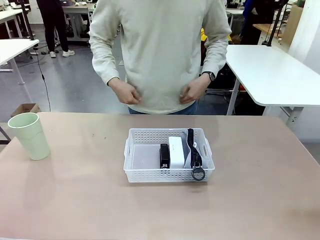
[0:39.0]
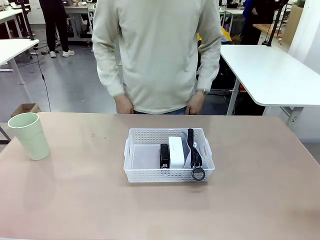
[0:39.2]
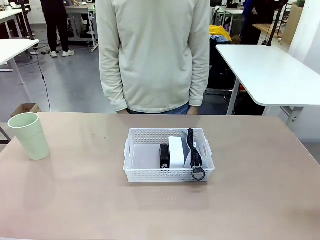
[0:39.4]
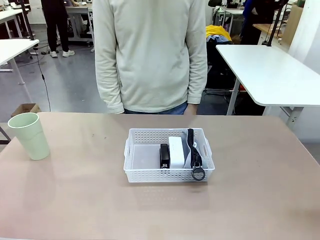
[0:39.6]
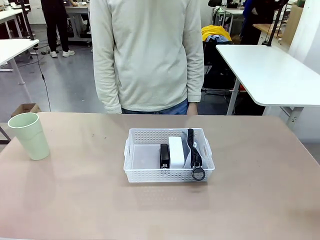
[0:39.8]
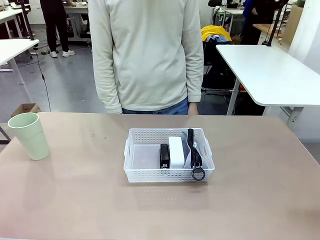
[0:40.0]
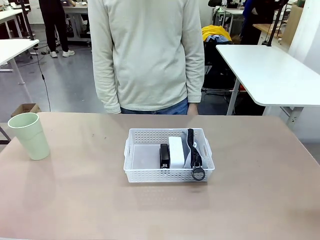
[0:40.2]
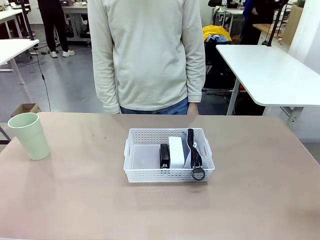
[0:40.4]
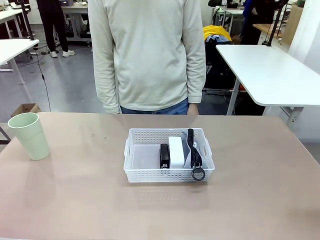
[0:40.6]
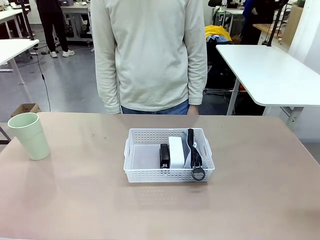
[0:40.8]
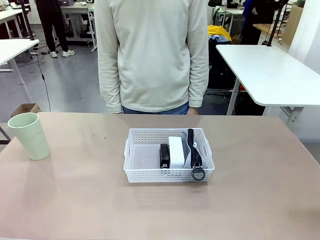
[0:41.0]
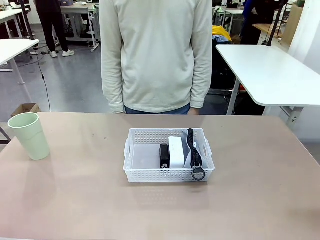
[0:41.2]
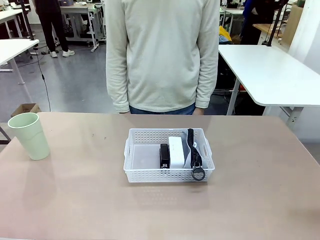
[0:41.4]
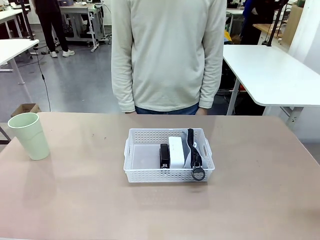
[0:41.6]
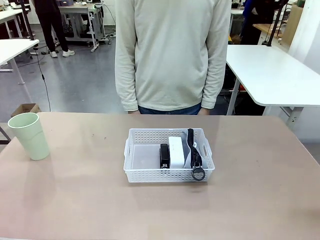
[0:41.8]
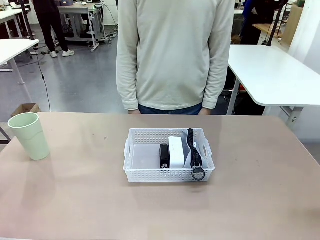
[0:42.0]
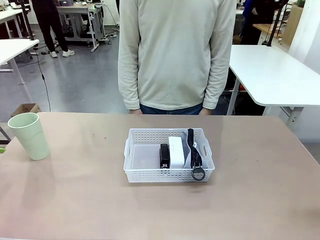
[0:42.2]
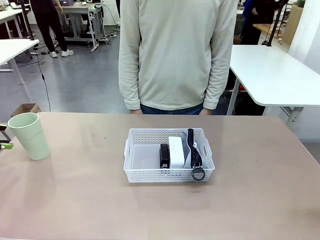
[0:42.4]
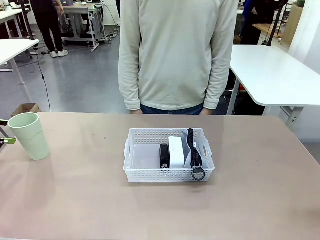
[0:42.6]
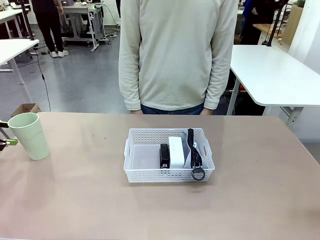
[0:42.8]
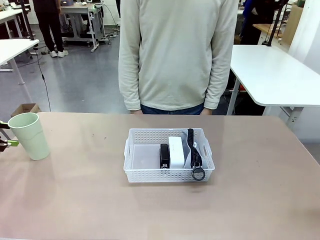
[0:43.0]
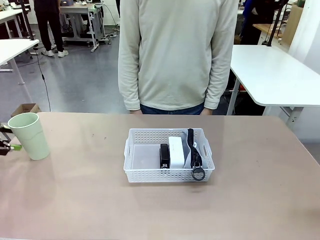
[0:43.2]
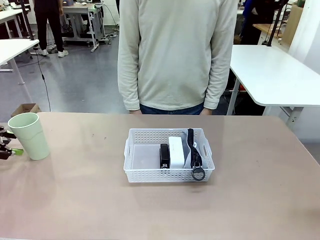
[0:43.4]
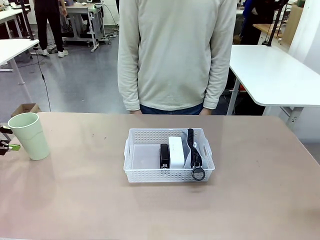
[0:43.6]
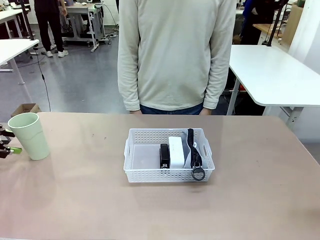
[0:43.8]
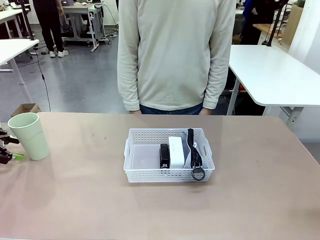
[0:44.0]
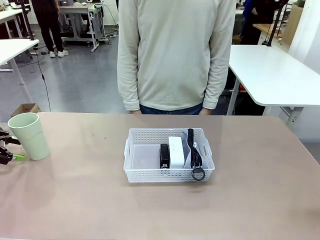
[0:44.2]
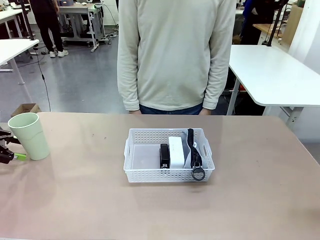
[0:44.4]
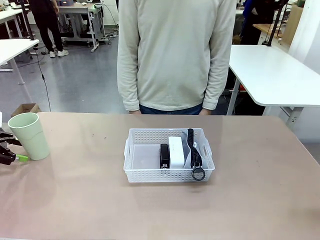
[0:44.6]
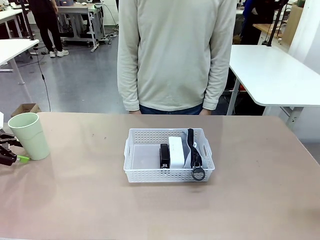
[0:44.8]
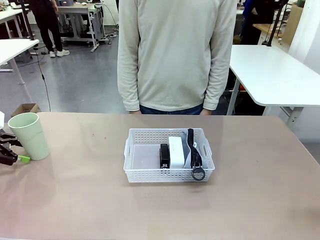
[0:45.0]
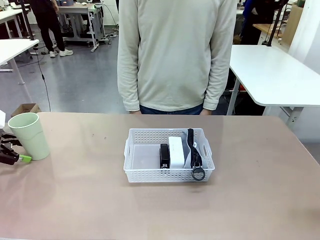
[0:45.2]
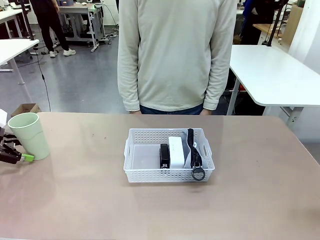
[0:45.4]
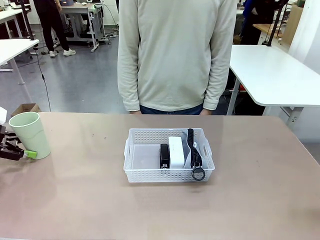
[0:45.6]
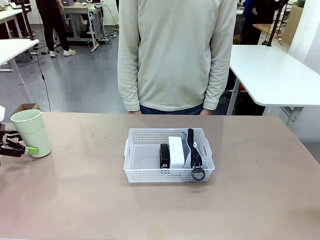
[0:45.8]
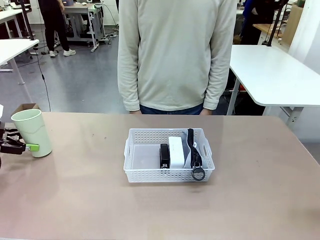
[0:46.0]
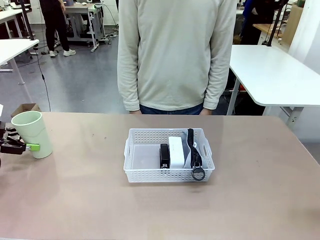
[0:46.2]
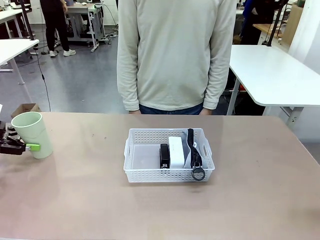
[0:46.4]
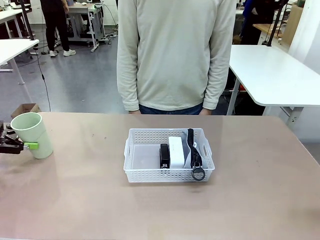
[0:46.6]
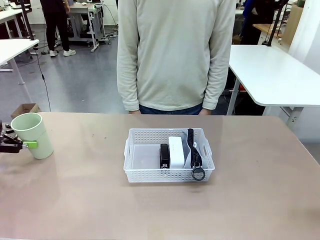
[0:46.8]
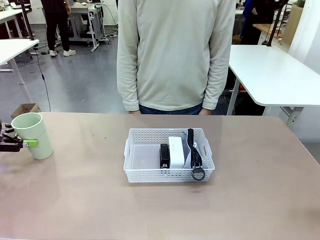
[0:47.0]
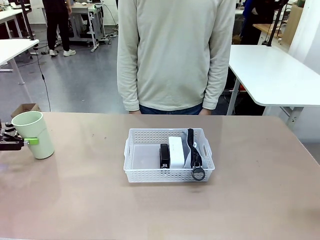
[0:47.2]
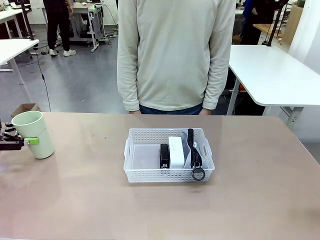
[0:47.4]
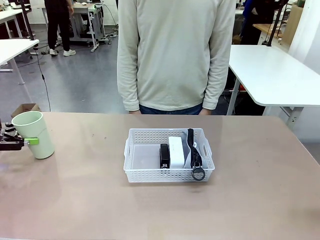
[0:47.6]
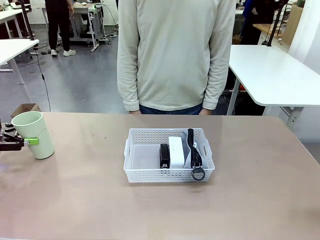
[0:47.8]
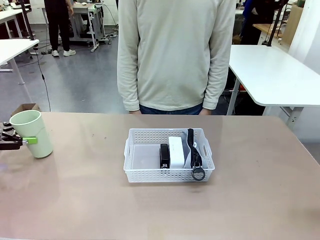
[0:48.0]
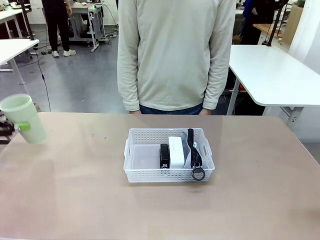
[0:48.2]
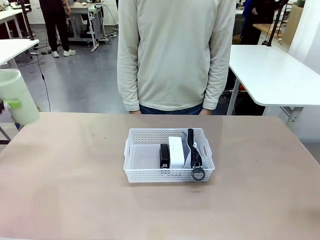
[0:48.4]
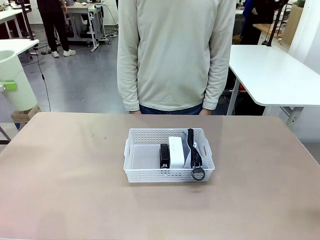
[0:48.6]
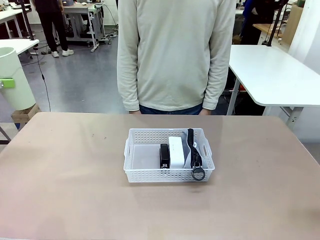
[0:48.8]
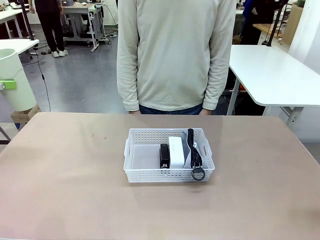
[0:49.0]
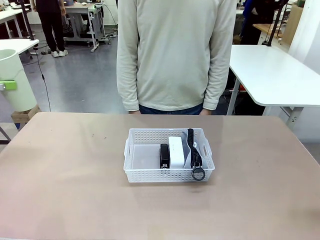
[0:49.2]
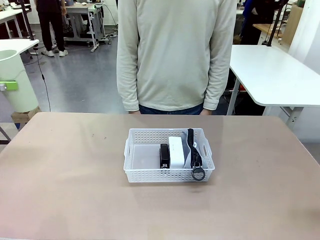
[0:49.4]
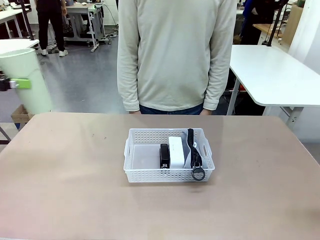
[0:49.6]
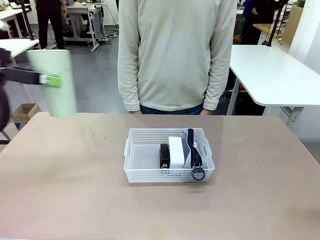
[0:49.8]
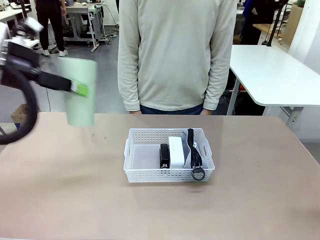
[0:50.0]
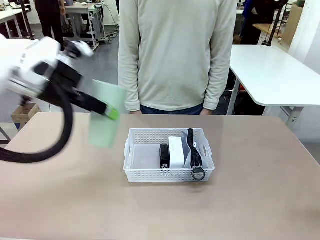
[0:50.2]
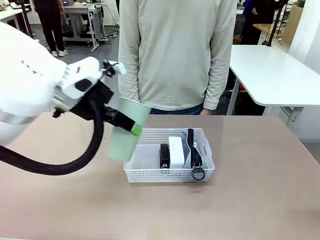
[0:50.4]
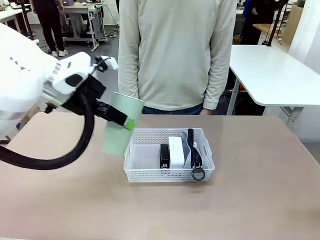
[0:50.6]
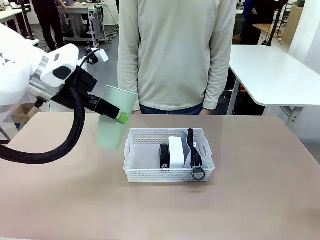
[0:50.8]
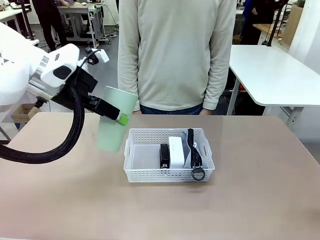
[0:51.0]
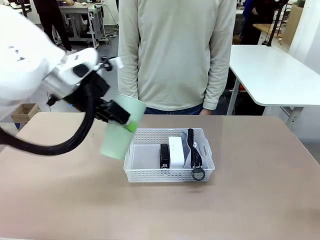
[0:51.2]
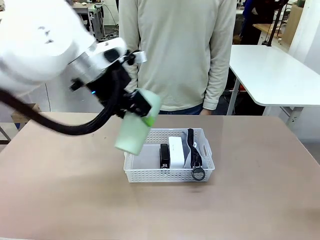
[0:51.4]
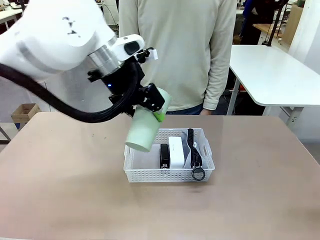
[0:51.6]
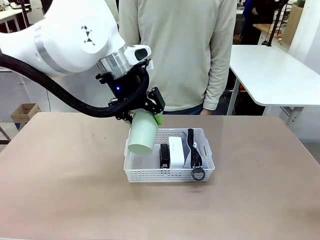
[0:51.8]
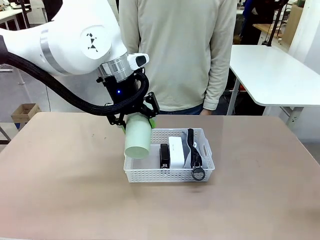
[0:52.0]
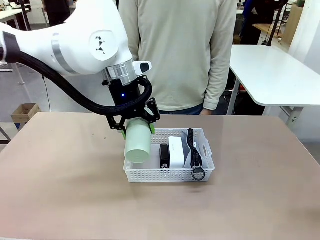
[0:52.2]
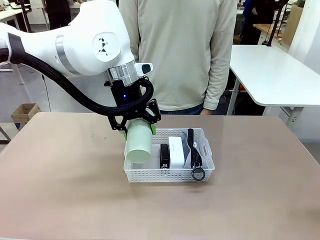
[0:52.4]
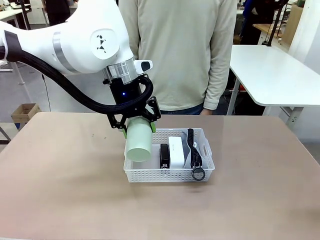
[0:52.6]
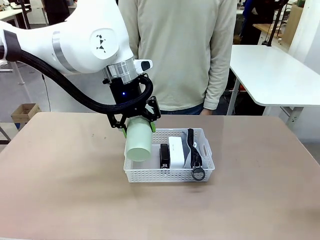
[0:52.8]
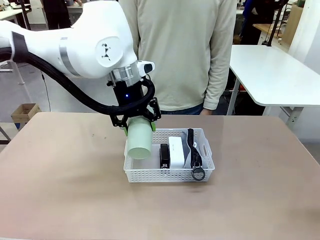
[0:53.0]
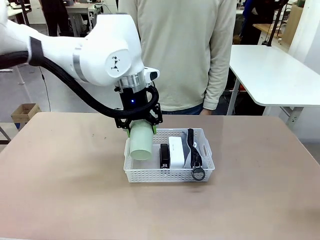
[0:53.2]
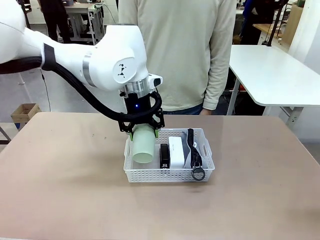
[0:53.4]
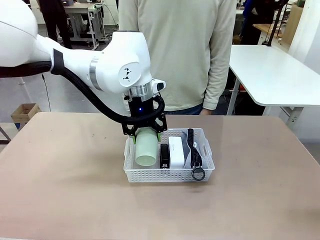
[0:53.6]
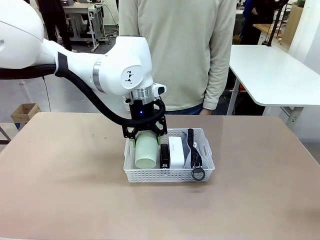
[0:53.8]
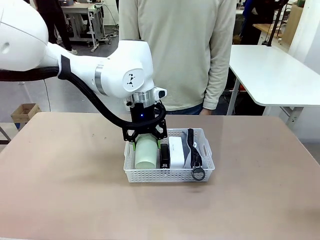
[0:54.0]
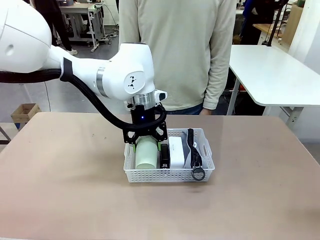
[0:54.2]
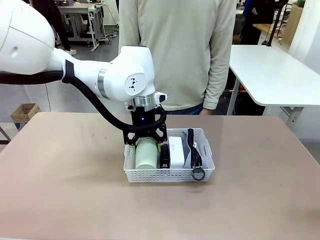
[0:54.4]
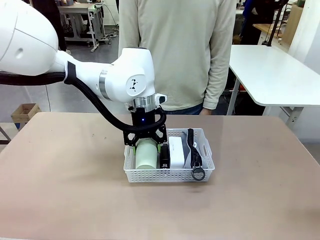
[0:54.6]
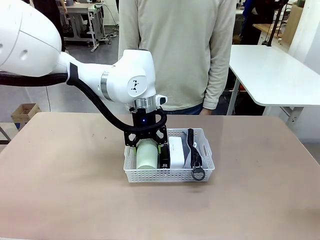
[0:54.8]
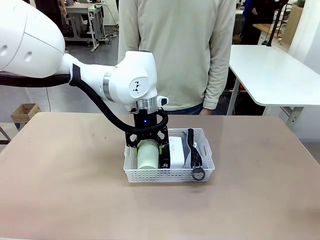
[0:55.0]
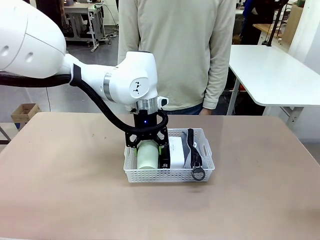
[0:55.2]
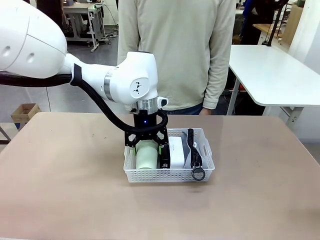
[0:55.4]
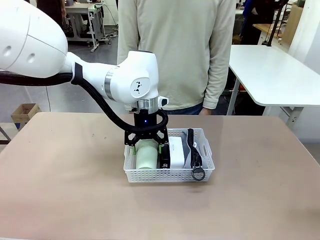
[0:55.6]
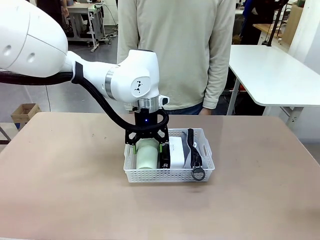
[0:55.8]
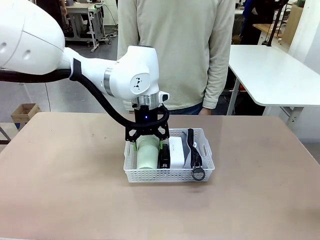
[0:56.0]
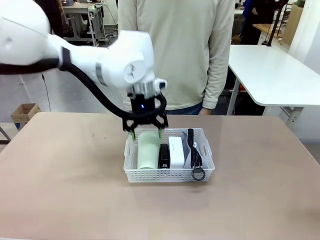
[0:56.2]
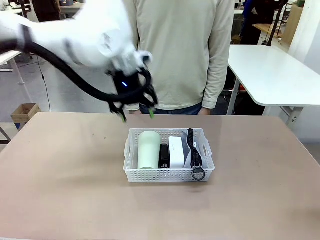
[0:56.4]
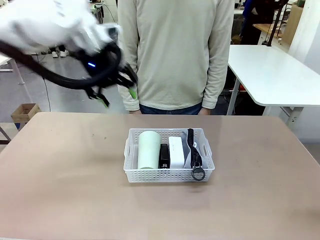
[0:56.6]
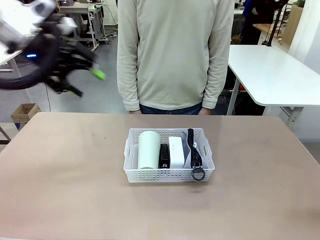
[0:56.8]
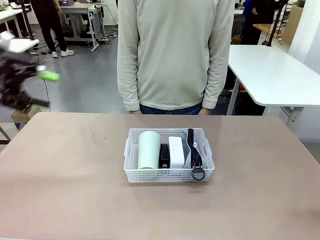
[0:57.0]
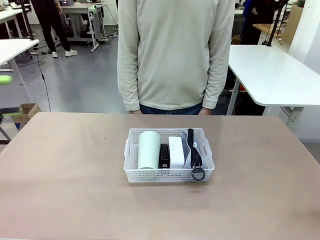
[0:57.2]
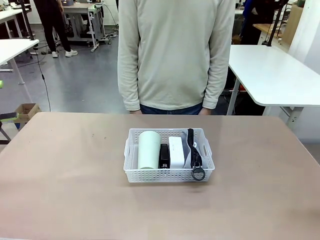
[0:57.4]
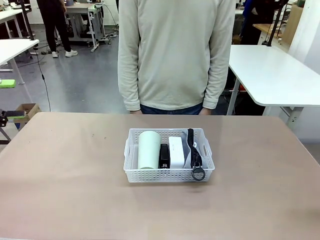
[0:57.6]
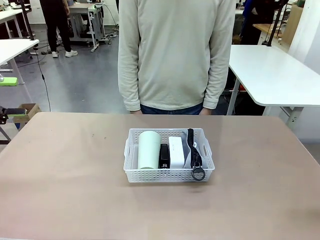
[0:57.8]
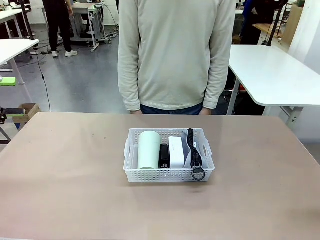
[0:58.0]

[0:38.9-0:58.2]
Task: Efficiently arrange items inside the basket to fit them all.
Robot: Pick up the Reusable plastic cup and place it inside the Organizing basket.
Person: Repositions the stapler.
